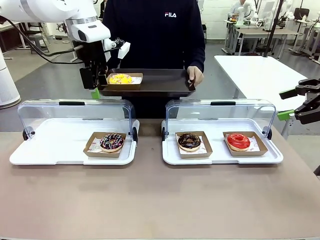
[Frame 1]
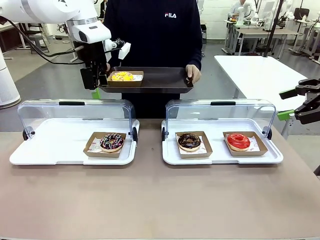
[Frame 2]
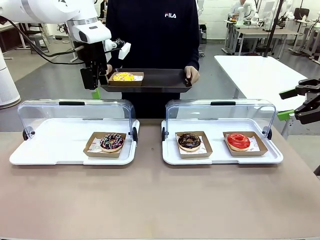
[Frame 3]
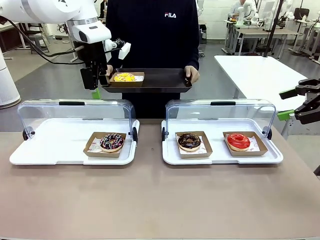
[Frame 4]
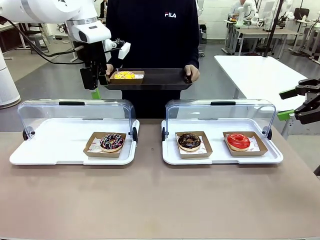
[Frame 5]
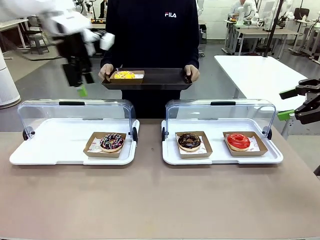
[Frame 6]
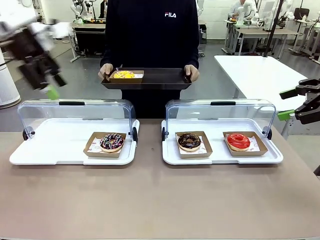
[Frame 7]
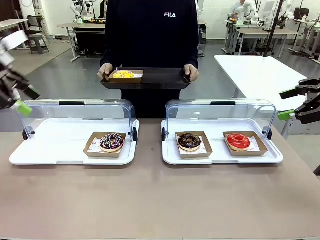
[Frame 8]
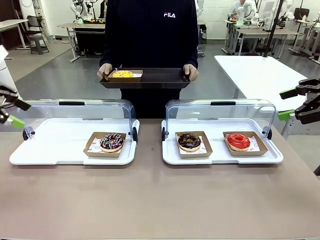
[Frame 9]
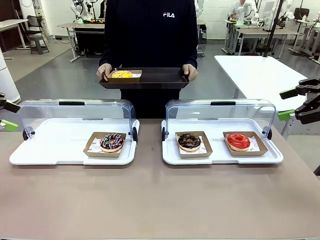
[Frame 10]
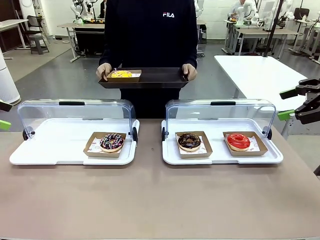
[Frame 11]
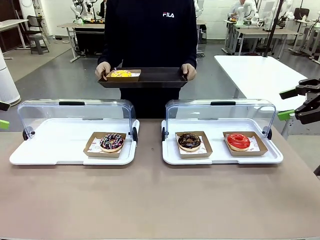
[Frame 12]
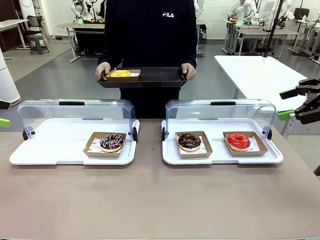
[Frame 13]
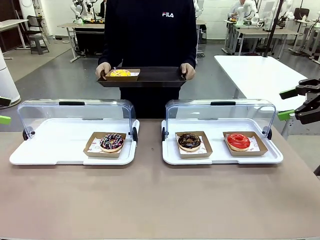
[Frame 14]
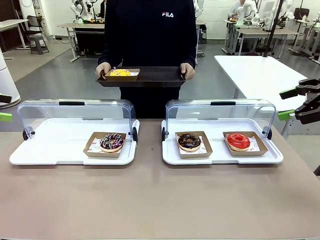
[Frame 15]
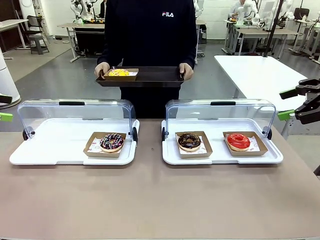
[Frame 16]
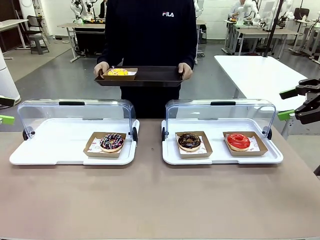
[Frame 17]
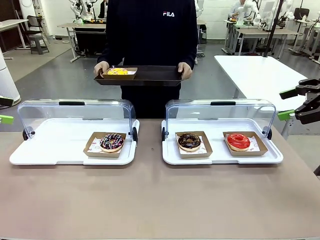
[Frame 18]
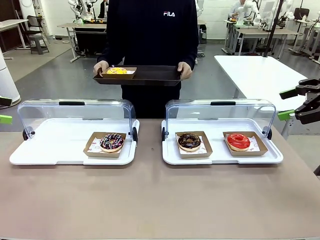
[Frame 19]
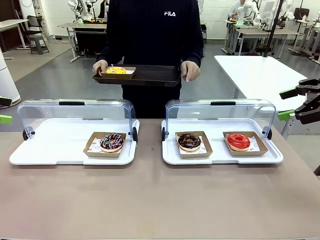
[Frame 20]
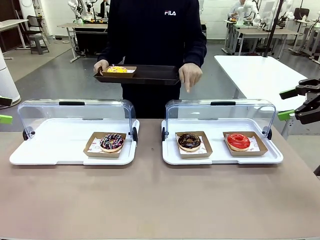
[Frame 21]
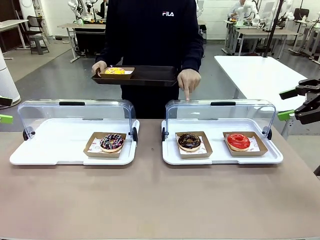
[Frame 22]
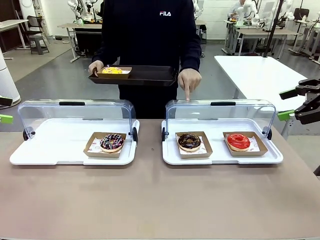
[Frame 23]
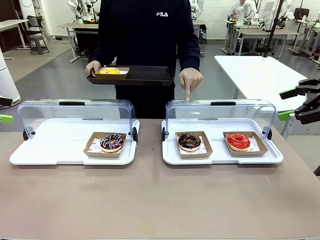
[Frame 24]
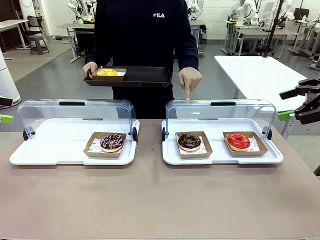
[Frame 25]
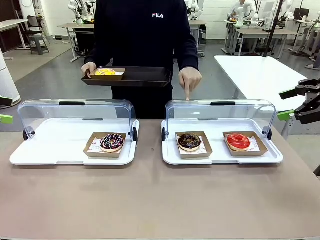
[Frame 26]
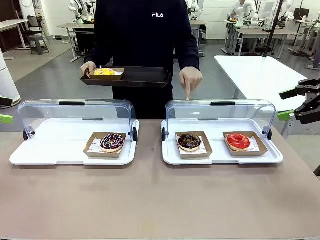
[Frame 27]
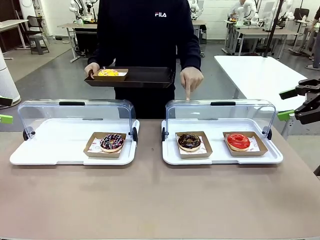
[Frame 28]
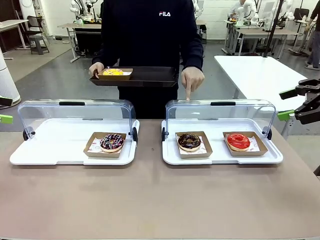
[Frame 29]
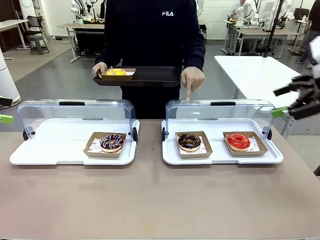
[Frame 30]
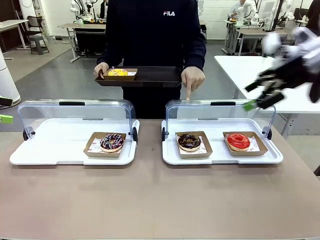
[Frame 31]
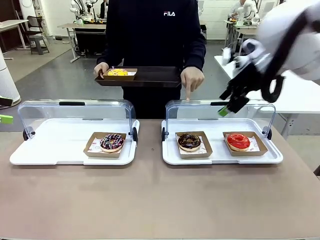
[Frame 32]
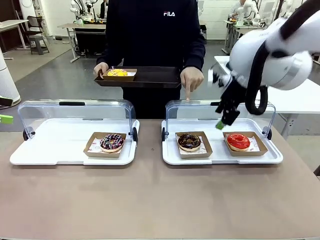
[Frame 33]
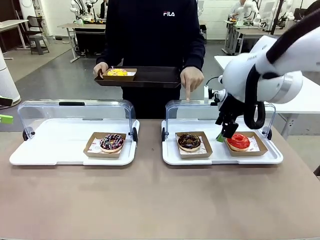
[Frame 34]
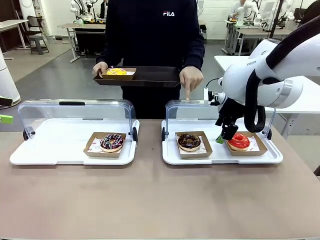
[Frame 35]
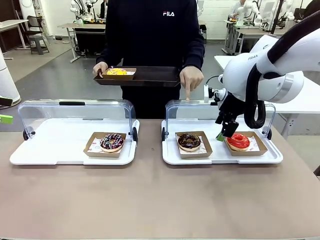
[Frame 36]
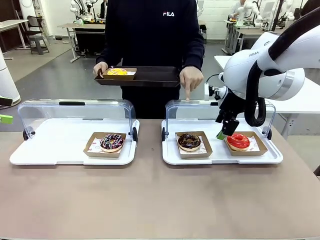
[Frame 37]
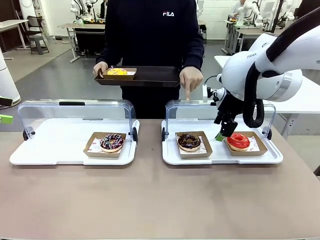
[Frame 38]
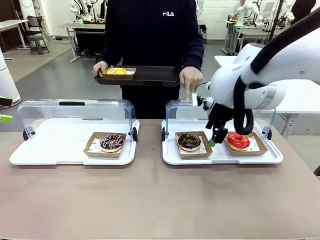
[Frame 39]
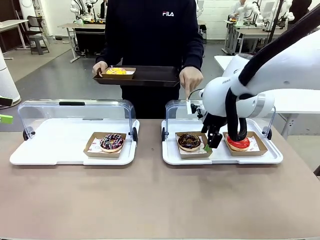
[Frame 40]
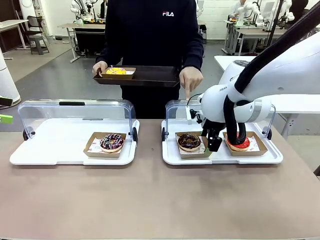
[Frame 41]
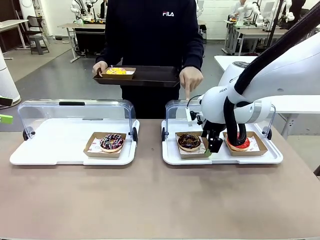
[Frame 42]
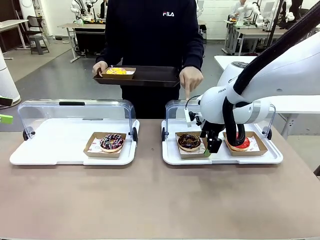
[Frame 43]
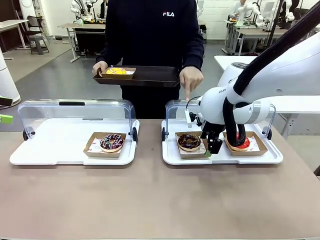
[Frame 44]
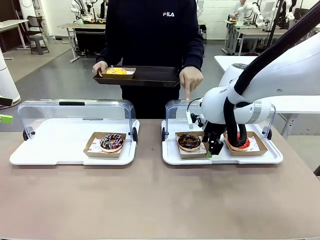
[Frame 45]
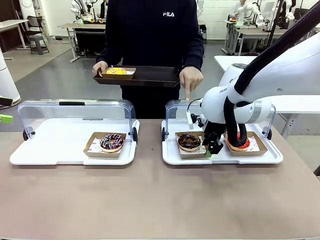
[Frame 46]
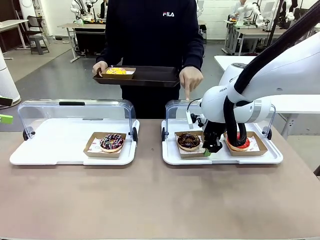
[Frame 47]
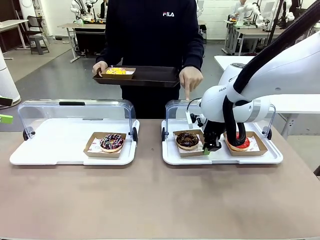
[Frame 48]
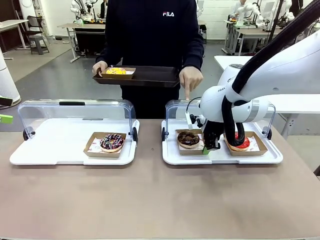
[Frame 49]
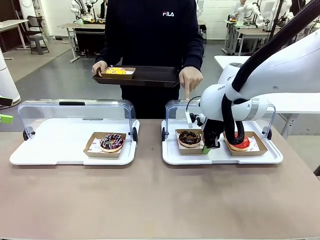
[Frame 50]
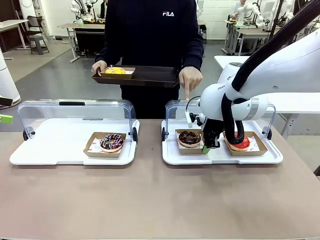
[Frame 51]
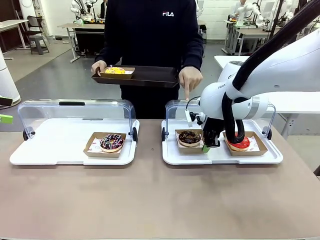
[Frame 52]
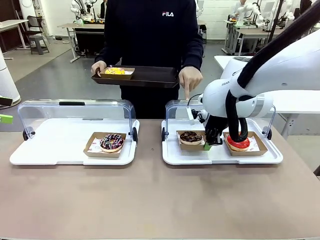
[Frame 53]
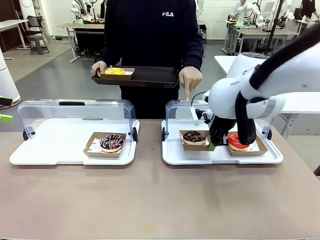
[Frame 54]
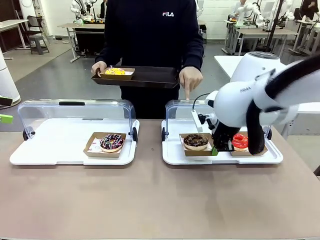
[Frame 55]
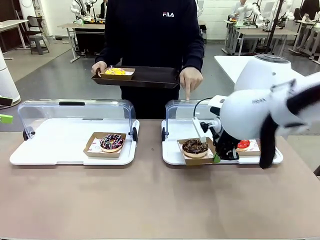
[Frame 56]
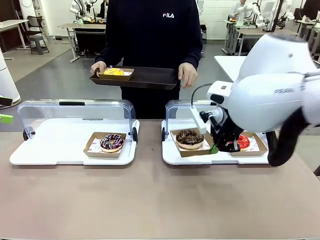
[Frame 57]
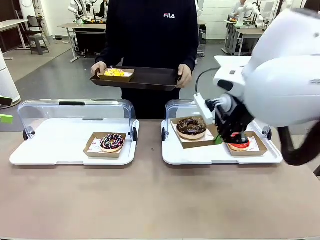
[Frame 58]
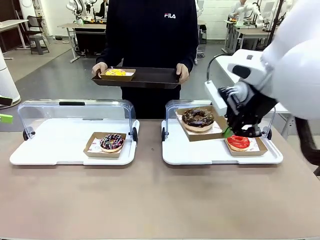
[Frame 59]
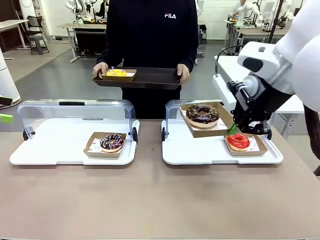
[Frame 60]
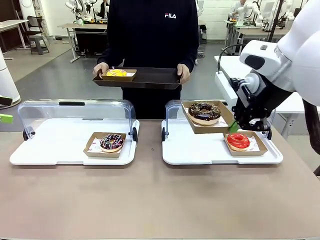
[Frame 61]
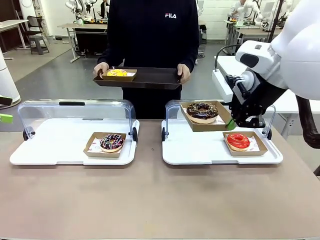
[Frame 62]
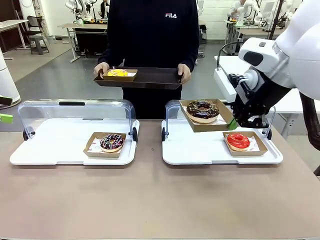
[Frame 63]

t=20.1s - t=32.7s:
Task: Provide the desired donut to the person.
Robot: Pick up and lift the Paper togo box containing the Donut pointed at by the person.
Person: Point to one donut. Lift the tray onto the Roll-Top Bakery Case.

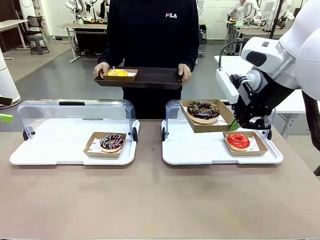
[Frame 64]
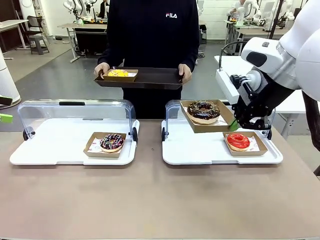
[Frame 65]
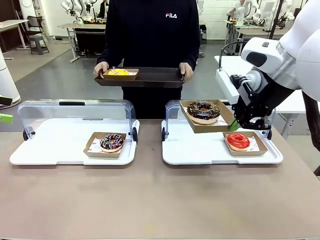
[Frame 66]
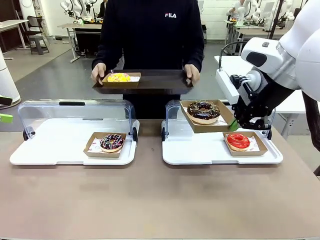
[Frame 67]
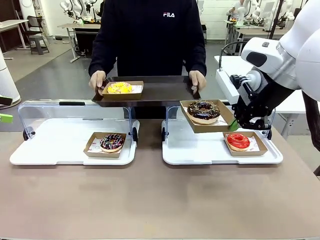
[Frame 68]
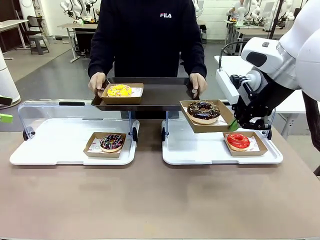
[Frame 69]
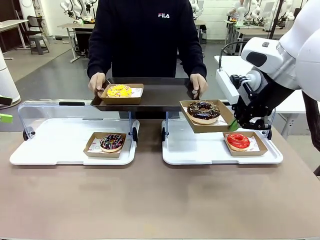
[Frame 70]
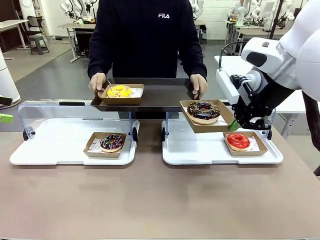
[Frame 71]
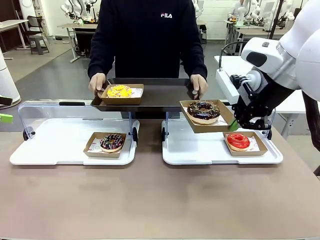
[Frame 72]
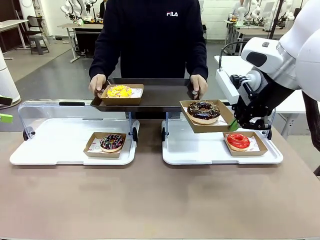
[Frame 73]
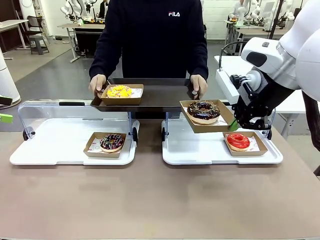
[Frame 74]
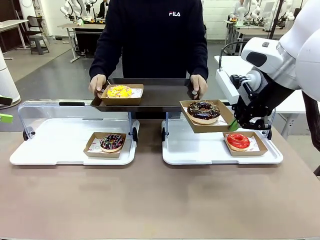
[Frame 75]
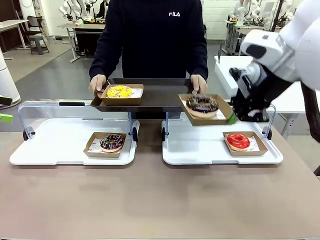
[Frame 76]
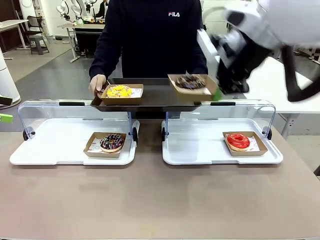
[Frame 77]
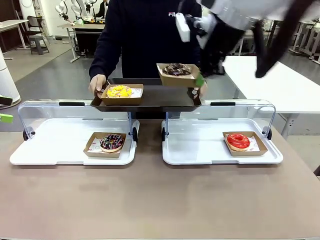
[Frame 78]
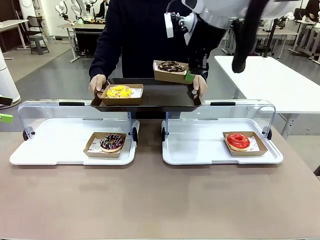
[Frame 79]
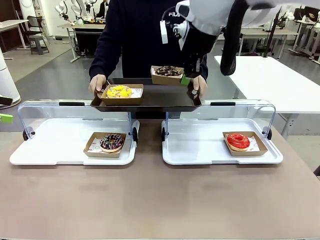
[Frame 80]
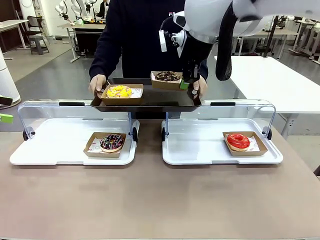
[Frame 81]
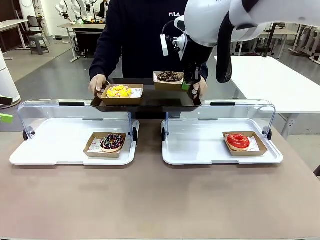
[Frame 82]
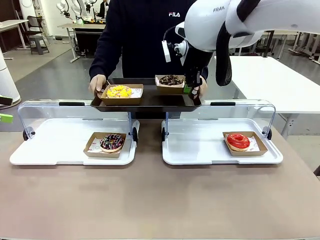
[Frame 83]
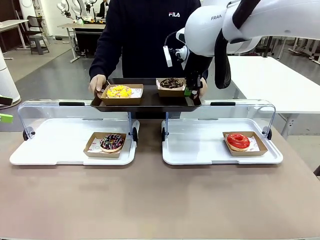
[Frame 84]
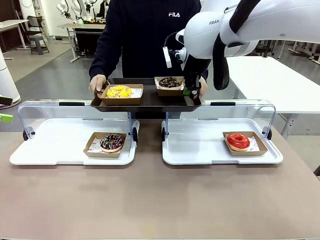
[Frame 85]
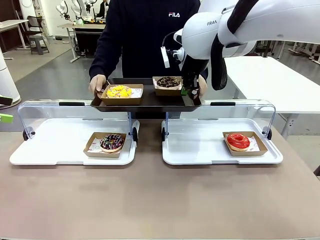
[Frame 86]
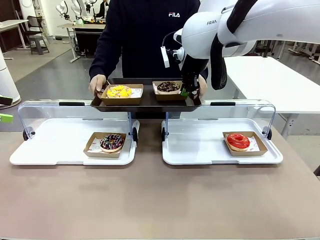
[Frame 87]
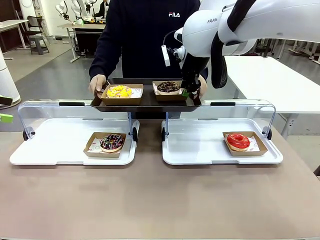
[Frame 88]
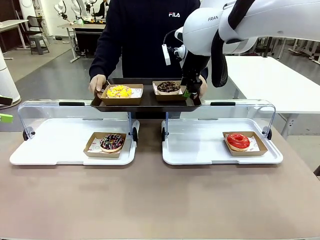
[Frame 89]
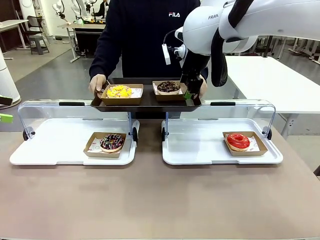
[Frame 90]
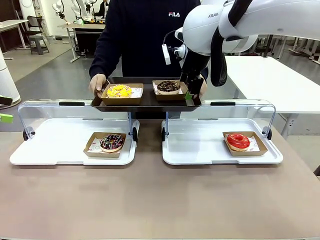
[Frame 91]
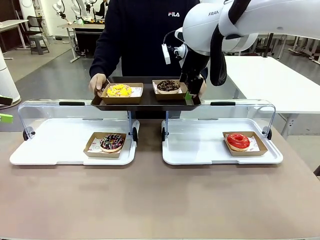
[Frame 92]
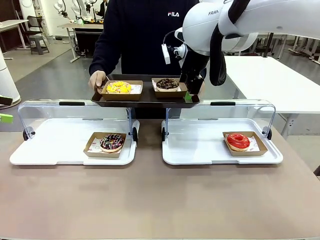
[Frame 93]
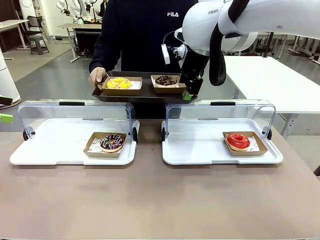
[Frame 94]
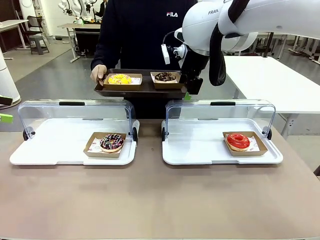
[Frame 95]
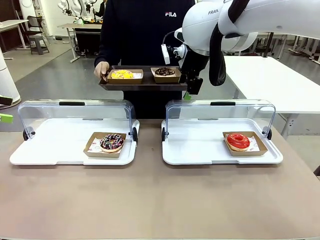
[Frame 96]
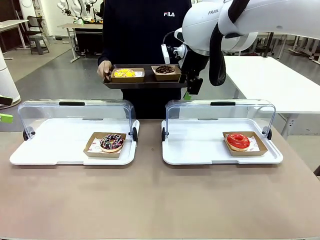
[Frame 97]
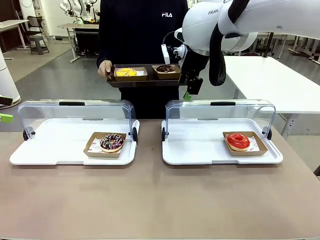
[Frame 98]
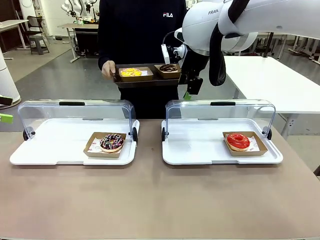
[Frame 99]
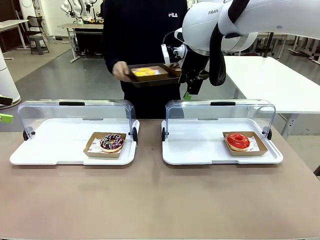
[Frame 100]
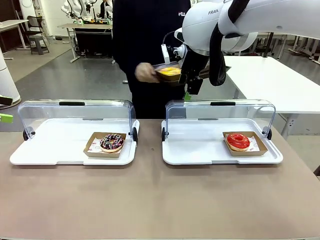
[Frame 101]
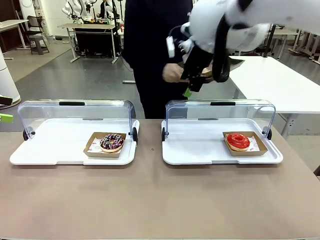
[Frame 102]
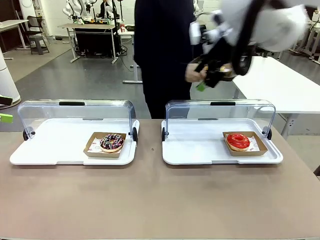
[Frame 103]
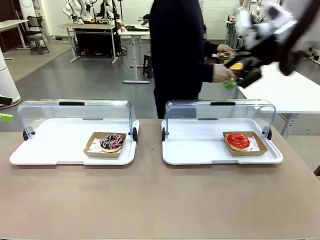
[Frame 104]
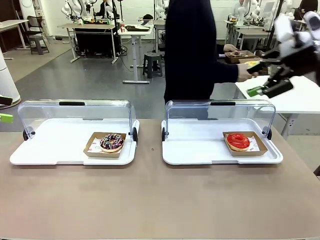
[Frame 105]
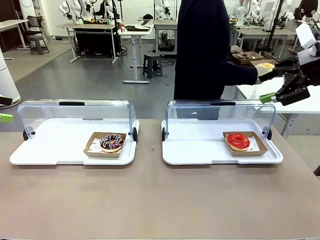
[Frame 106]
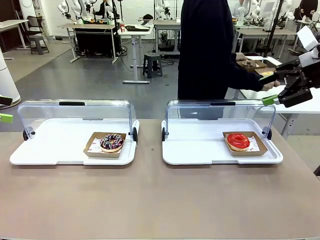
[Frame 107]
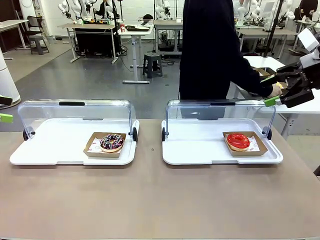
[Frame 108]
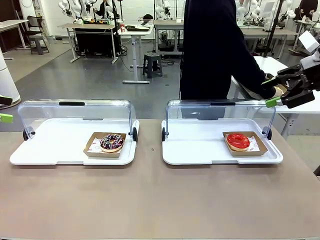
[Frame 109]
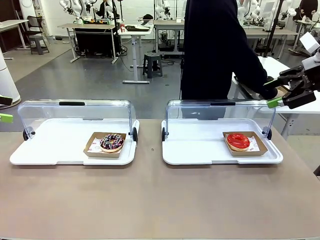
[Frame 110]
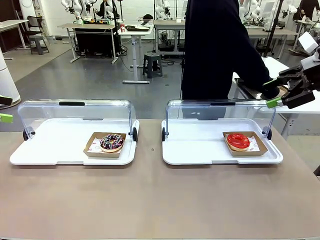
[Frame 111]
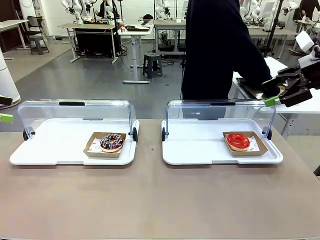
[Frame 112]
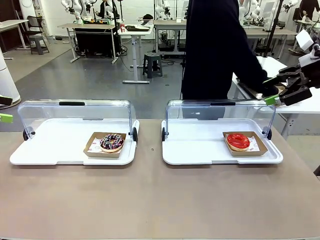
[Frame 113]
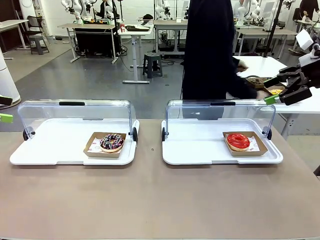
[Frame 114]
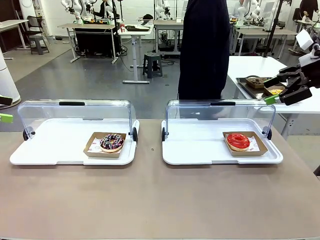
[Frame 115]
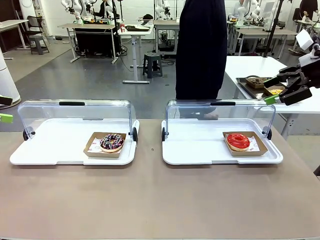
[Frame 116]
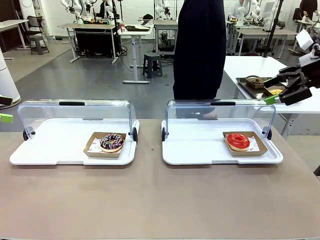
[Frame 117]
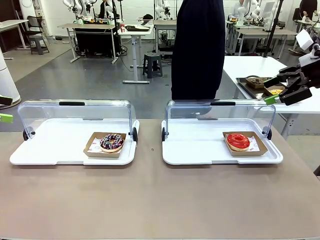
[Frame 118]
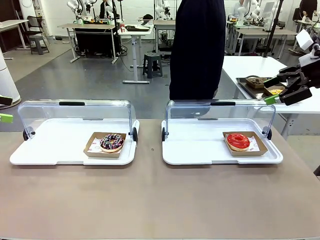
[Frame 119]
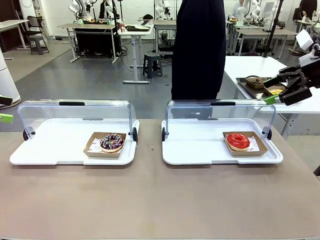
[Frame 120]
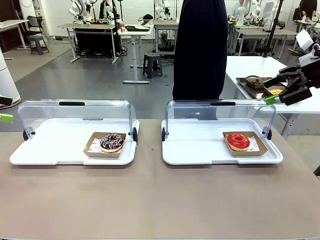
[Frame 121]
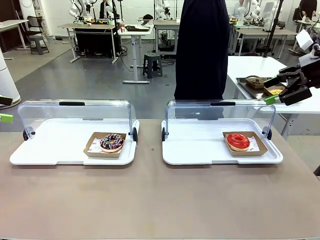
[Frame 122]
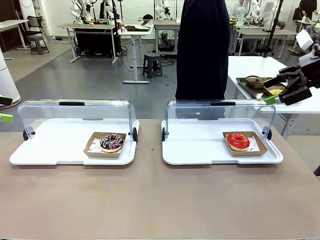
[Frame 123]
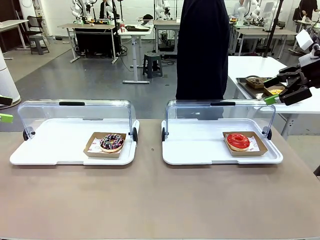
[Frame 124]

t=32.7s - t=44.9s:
Robot: Place the picked Paper togo box onto the Handle tray extended by the person.
Person: Place the tray in the middle of the human table.
